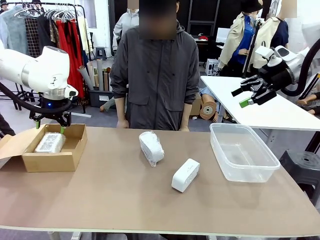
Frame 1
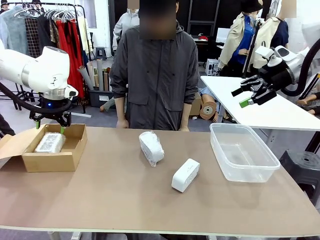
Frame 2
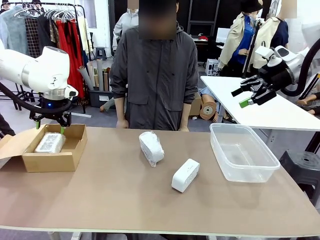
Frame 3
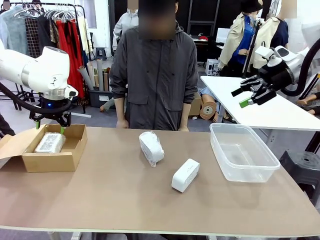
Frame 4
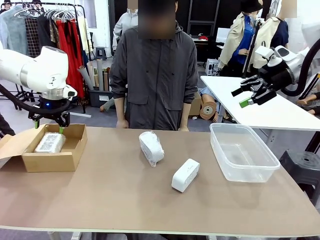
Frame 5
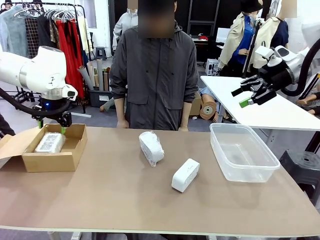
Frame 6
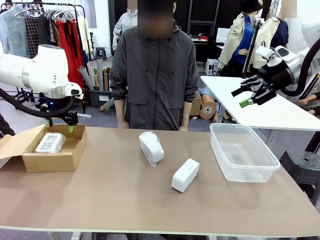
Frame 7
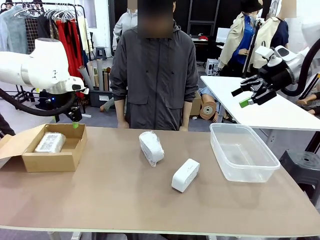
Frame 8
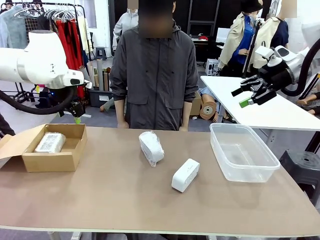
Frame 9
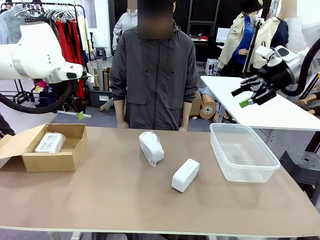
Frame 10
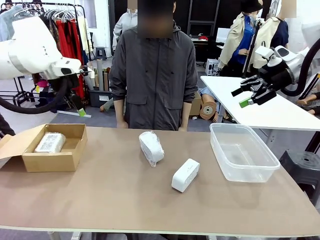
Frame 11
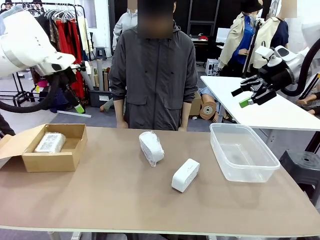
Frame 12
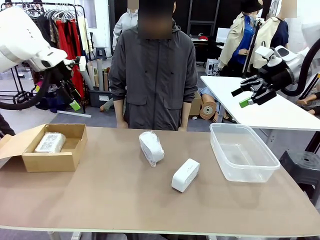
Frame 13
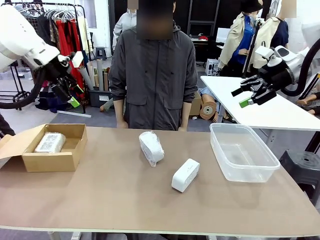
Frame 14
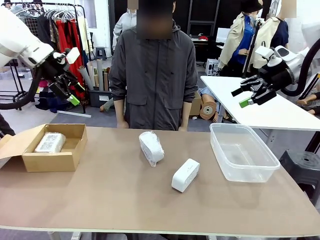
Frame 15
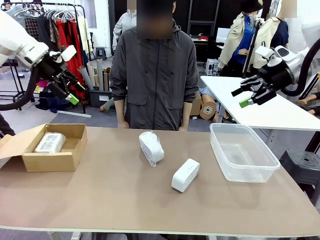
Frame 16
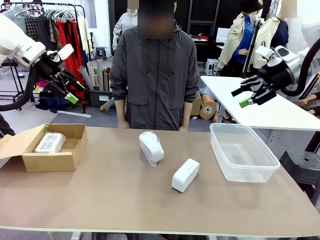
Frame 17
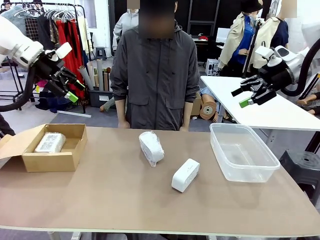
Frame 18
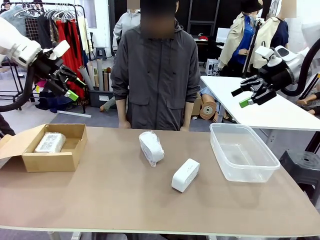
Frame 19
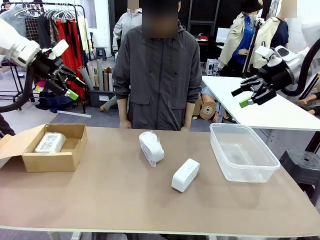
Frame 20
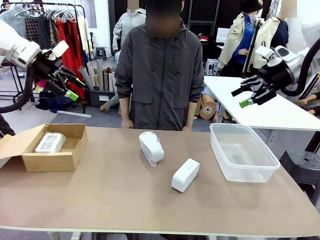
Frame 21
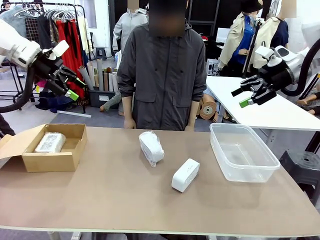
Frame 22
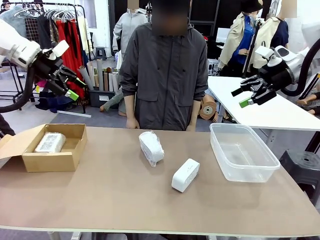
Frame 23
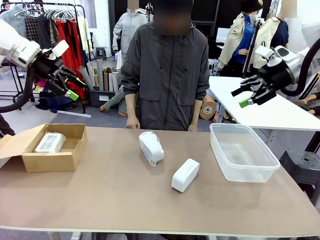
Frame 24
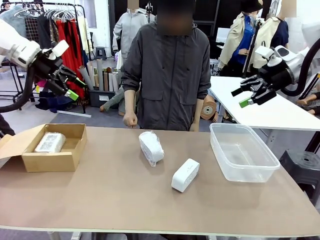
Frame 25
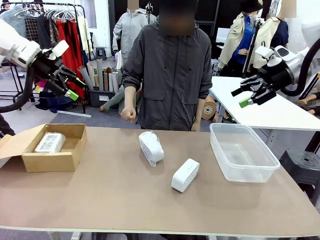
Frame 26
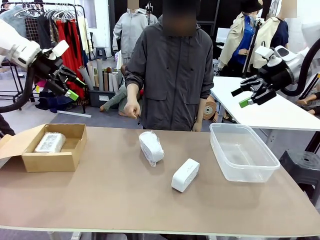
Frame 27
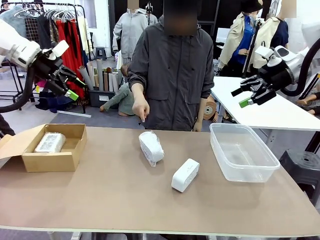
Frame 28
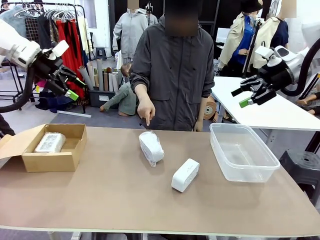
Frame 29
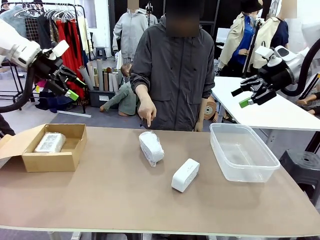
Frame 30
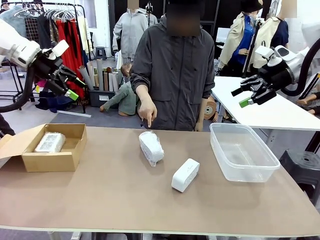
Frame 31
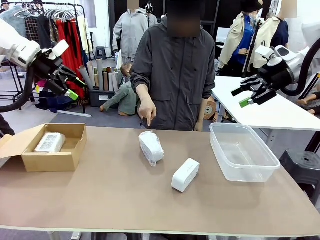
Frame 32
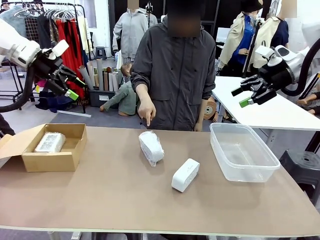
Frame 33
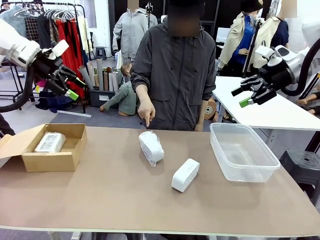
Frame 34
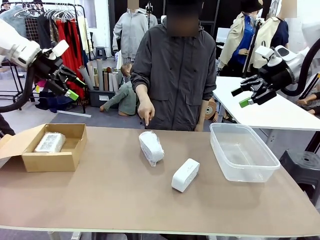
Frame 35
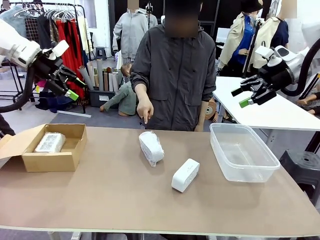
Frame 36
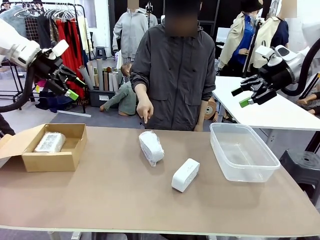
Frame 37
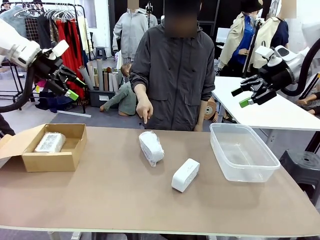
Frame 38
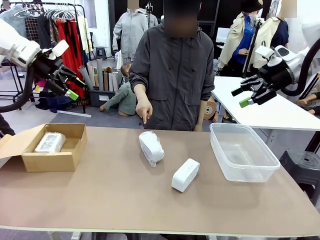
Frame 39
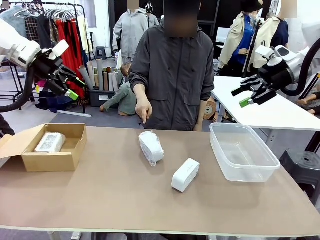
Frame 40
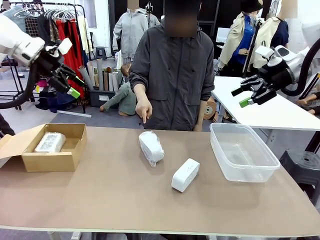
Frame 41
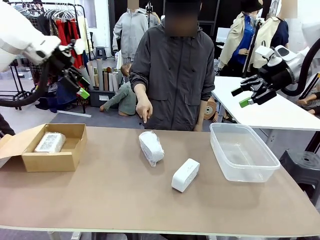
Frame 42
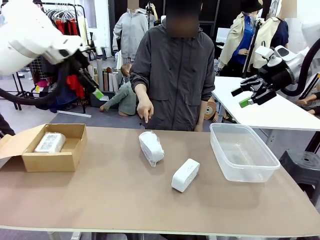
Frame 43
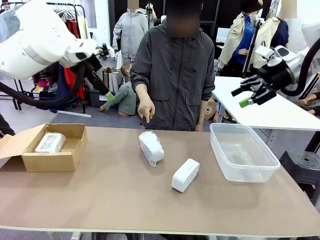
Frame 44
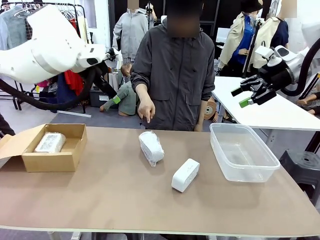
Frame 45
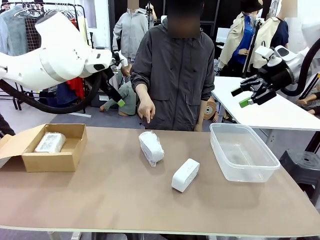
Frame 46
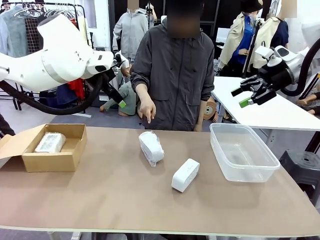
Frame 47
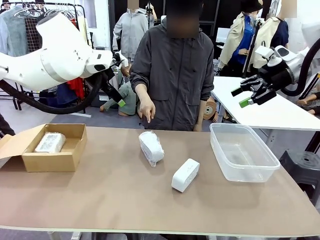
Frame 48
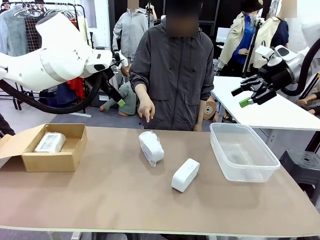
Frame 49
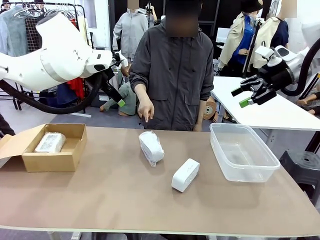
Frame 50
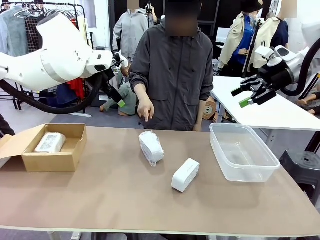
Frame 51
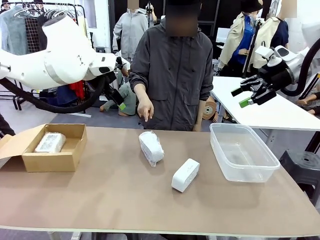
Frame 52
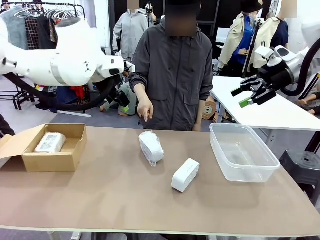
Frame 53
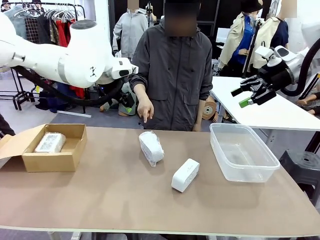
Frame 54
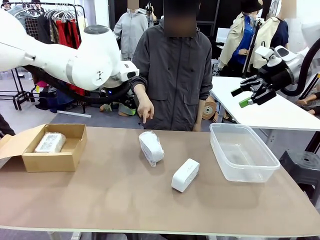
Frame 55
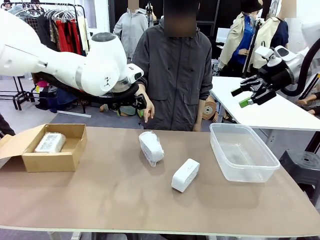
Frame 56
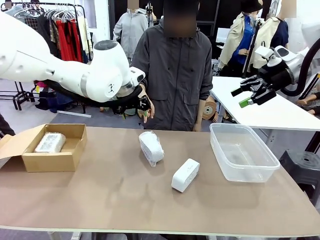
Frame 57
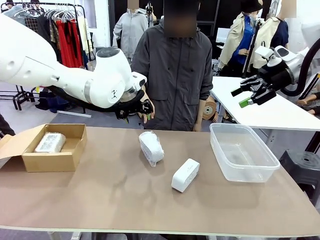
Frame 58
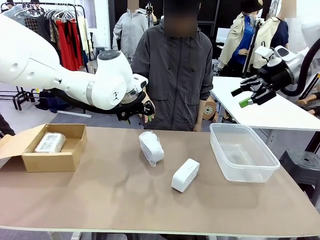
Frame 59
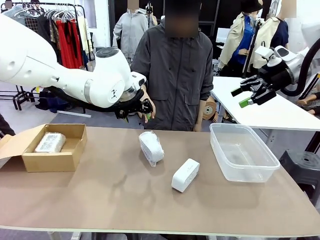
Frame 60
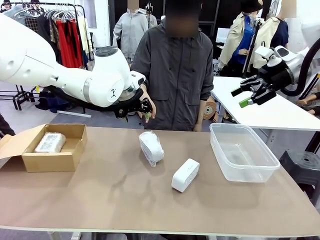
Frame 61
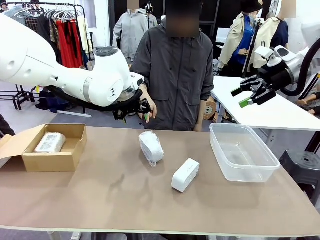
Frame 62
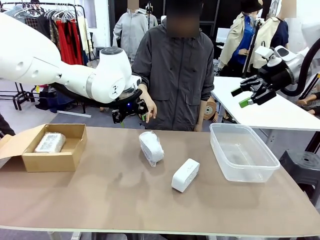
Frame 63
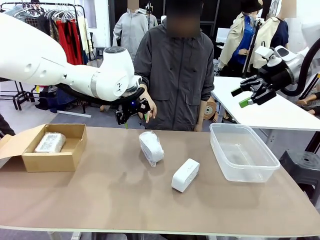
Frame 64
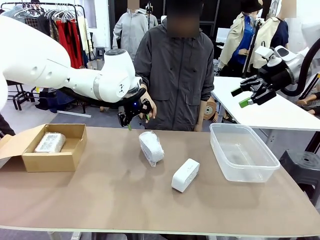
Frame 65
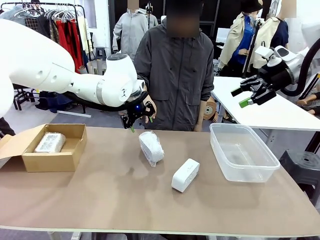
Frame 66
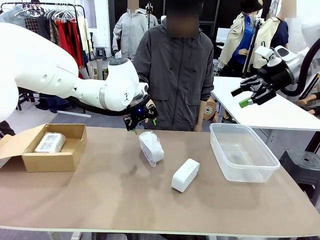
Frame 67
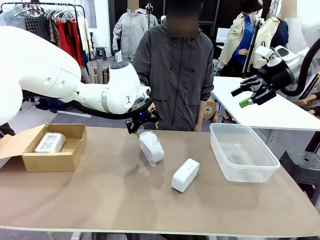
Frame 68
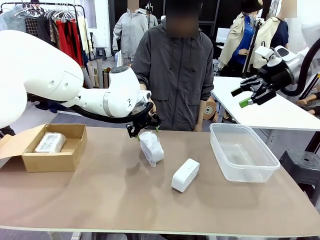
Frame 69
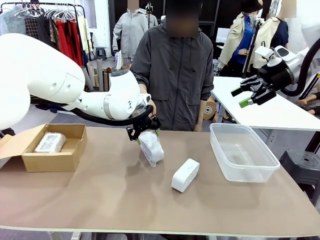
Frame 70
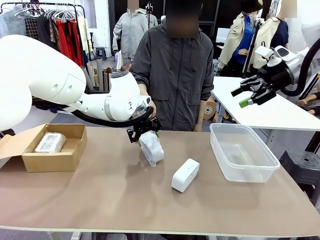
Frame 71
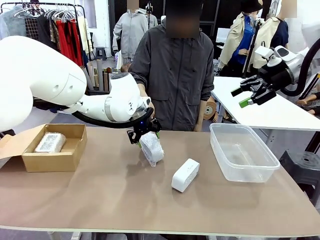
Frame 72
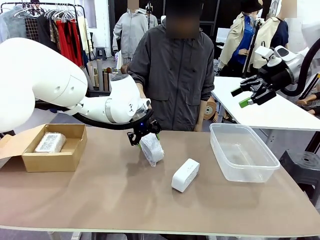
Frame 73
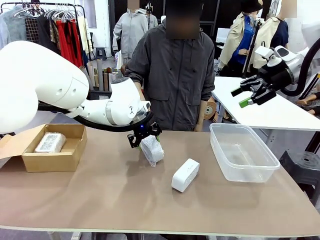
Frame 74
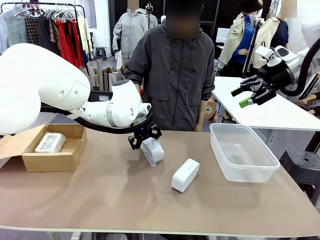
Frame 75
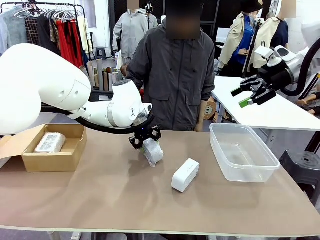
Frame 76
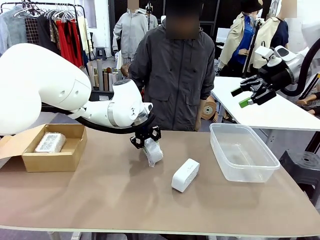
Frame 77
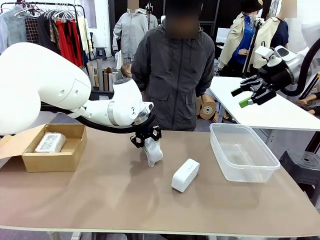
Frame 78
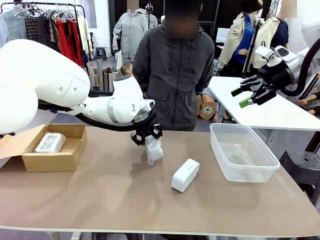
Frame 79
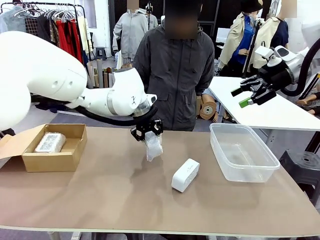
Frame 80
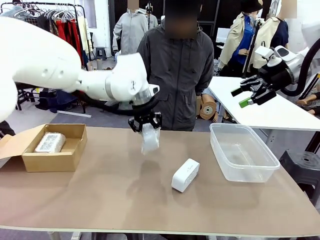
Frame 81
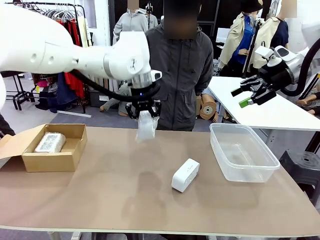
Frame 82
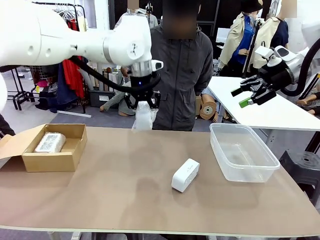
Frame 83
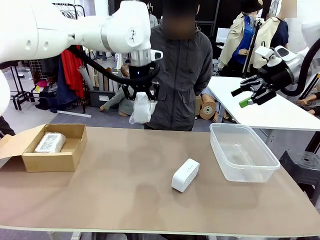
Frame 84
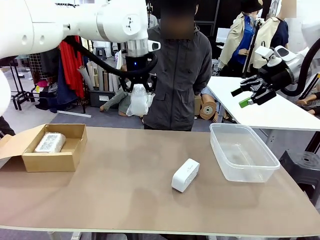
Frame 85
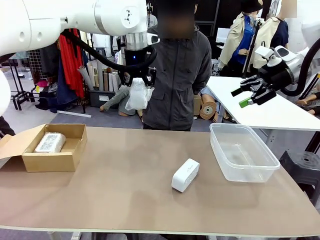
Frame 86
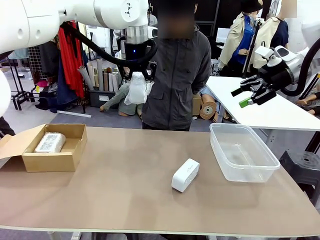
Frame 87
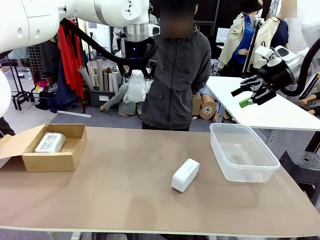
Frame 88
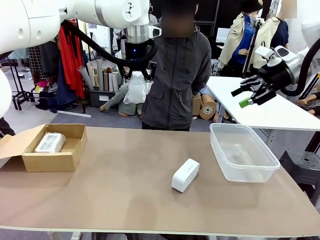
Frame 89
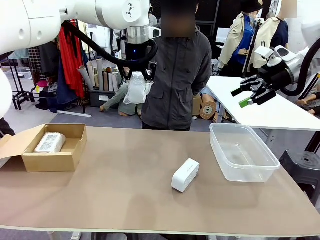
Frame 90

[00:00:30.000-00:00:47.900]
Task: Separate and place wrapped and unwrapped clocks.
Robot: Pick up the Digital clock indicated by the person.
